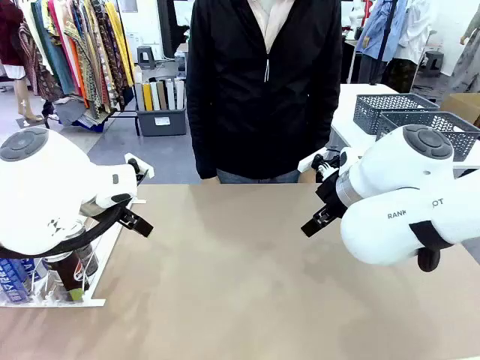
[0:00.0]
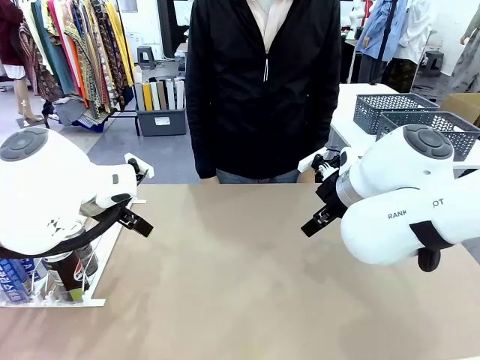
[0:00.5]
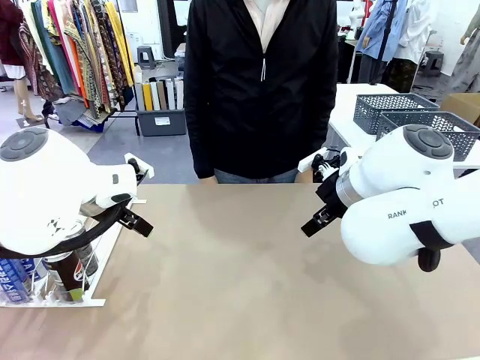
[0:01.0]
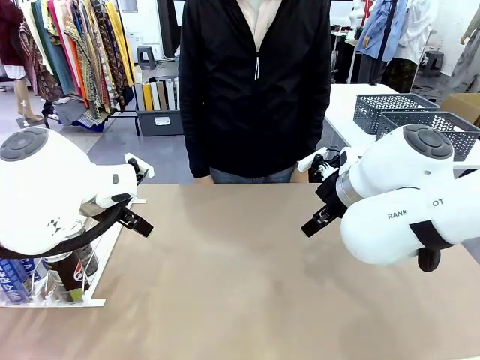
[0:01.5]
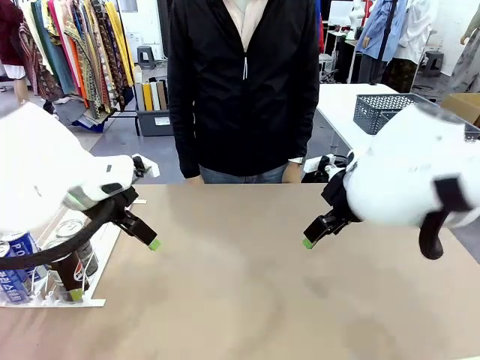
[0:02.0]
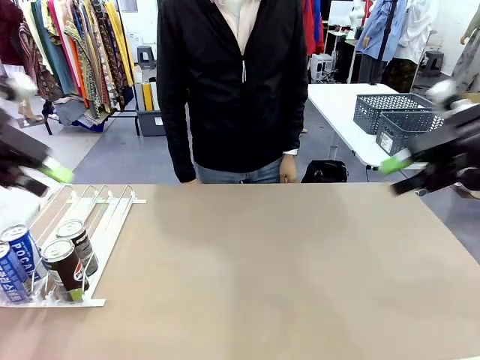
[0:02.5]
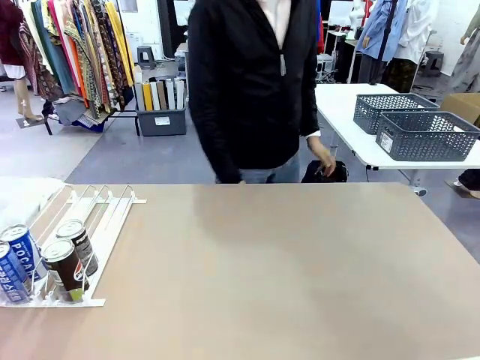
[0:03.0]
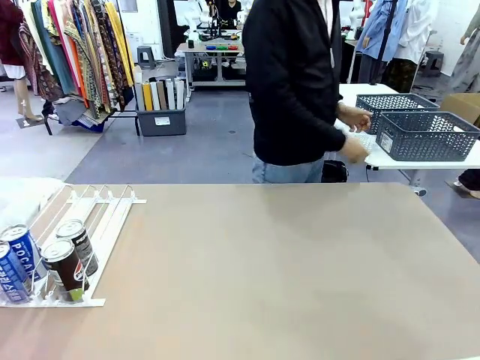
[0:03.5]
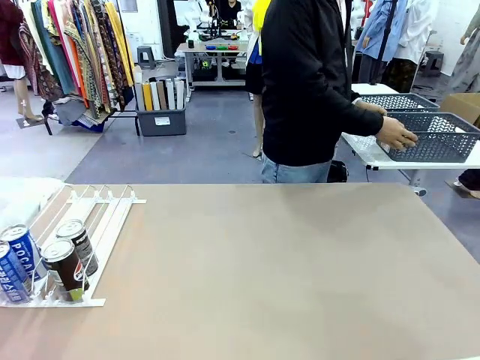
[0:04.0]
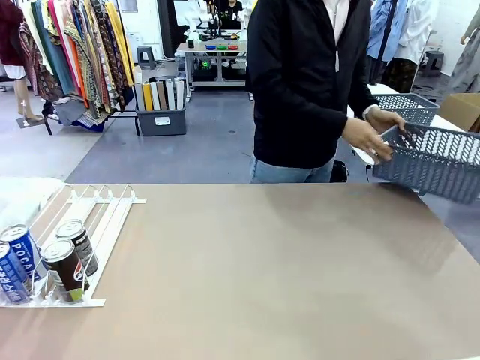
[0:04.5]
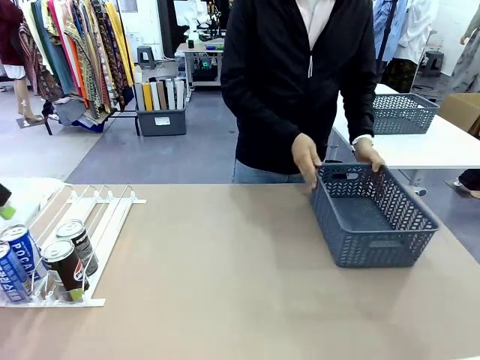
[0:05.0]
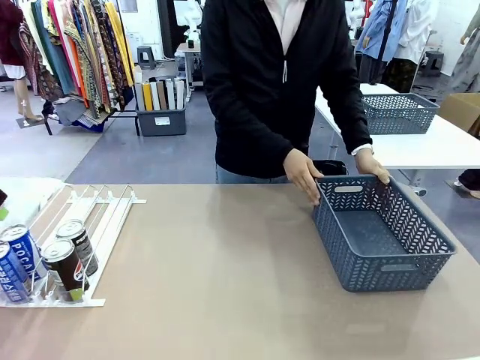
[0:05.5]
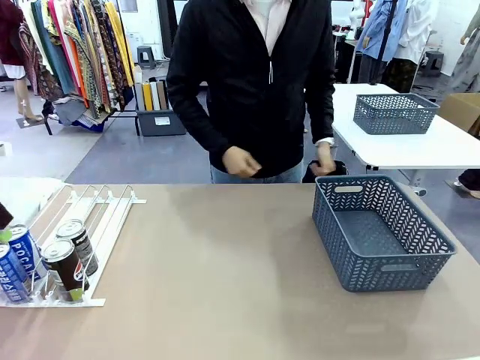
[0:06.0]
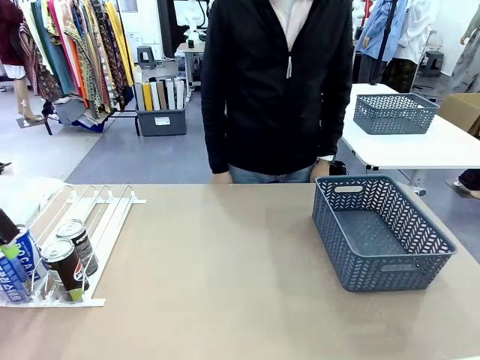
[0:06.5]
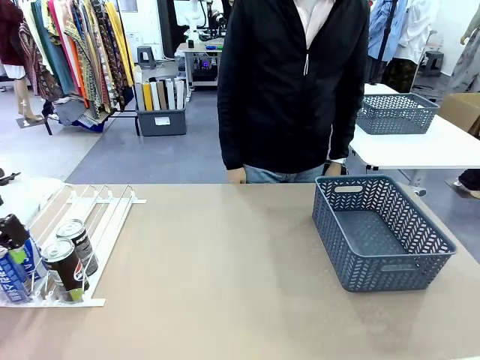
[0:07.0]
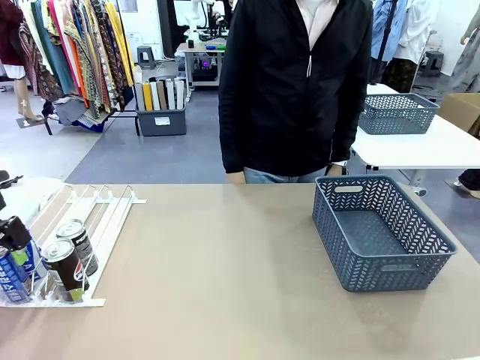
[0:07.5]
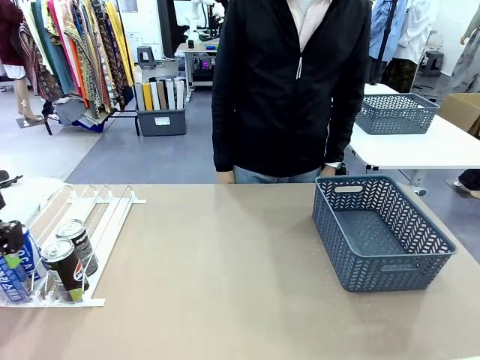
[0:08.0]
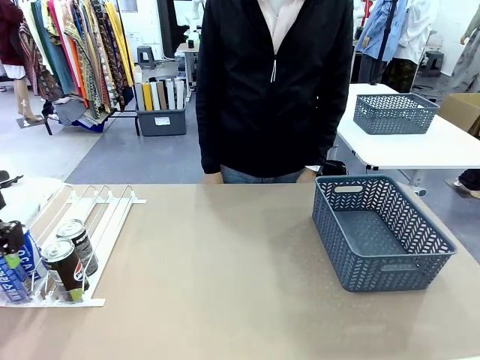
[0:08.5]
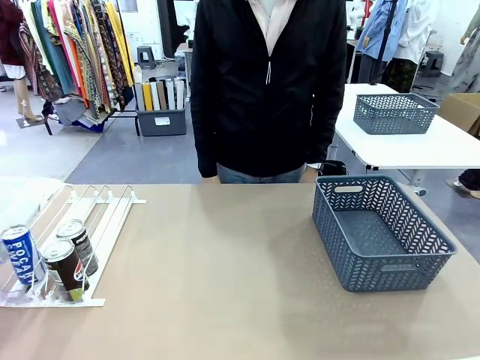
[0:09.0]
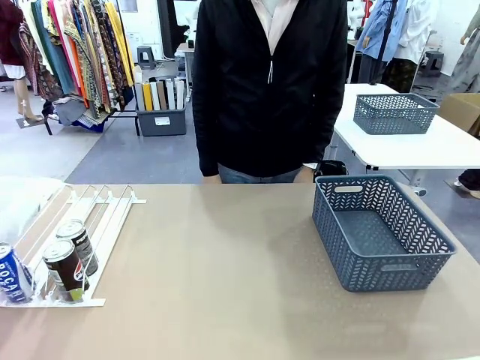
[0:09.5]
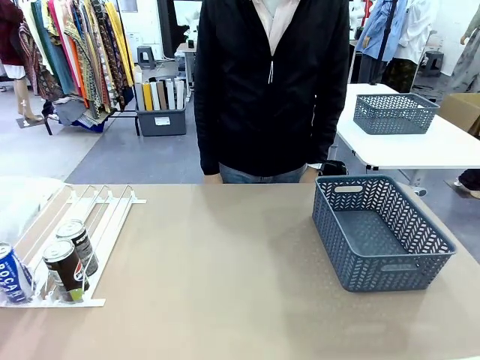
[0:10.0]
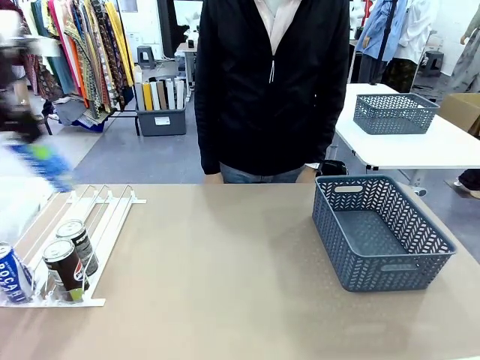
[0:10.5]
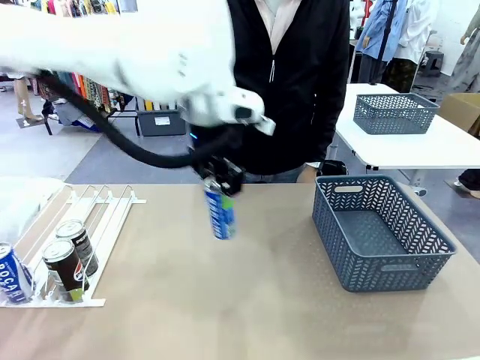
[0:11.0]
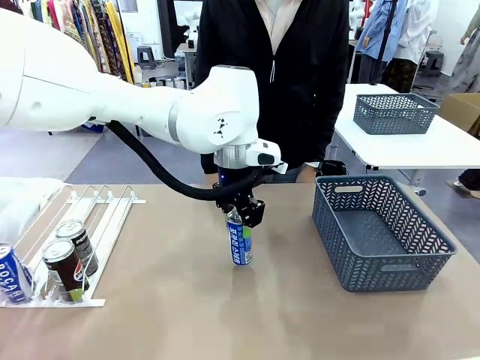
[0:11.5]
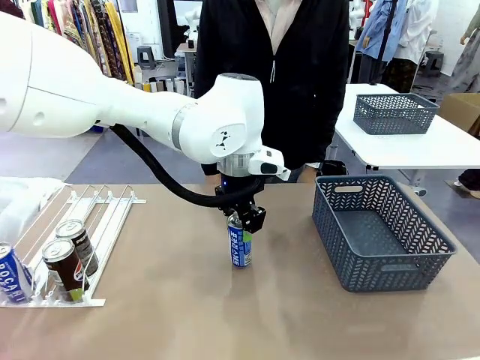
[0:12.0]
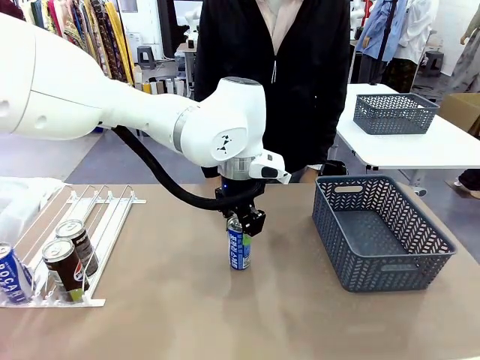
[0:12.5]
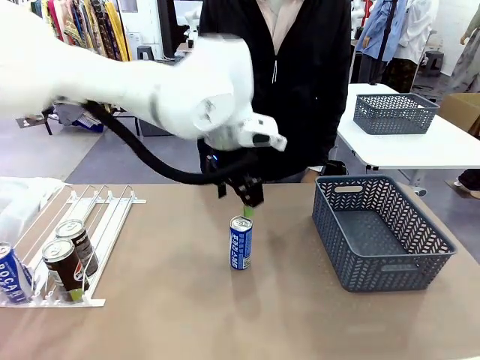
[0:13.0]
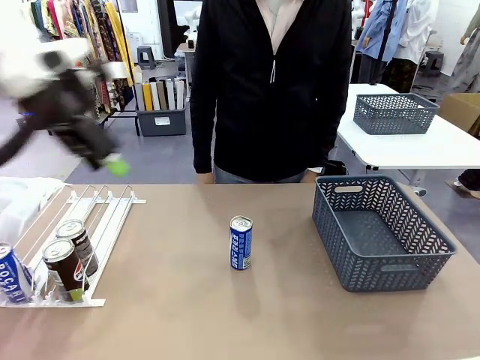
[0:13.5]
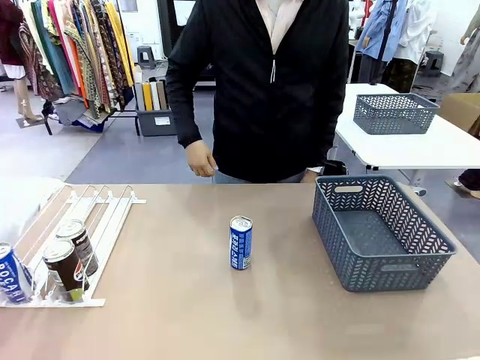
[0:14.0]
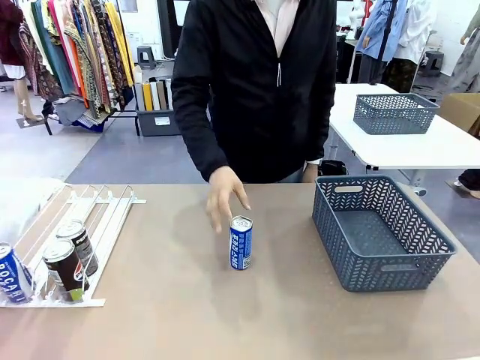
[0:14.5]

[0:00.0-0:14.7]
Task: Retrieve and store the cans from the dispenser.
Robot: Pick up one can from the Automatic Can Dispenser and place it in the middle of the table.
Person: Pick up the basket and place it on the left side of the robot table.

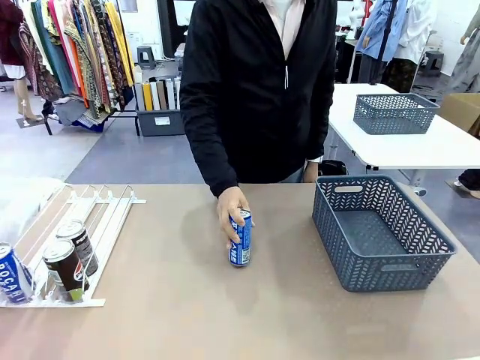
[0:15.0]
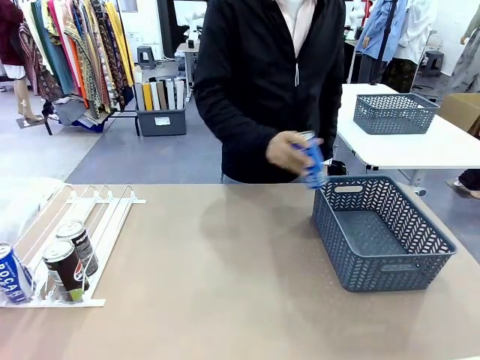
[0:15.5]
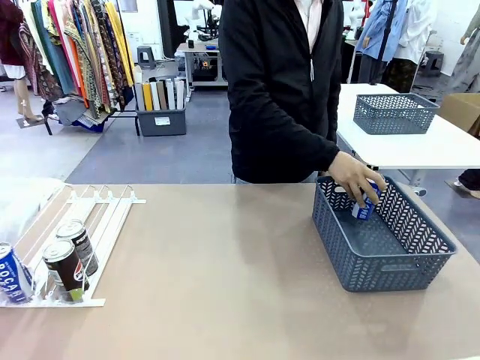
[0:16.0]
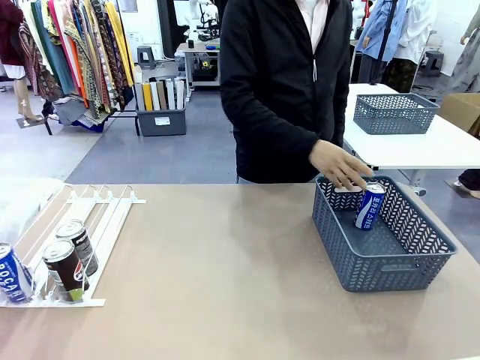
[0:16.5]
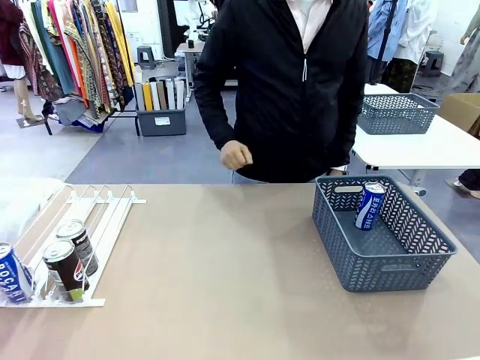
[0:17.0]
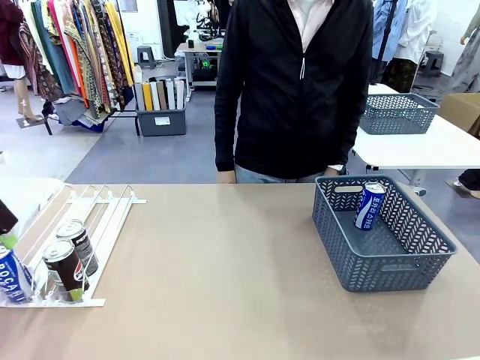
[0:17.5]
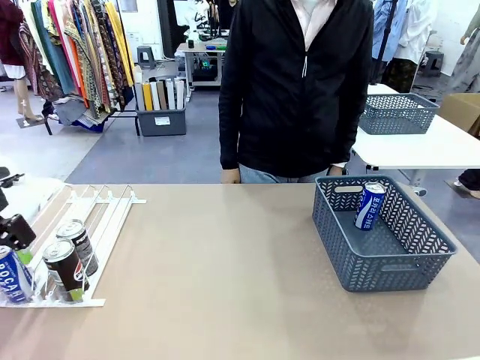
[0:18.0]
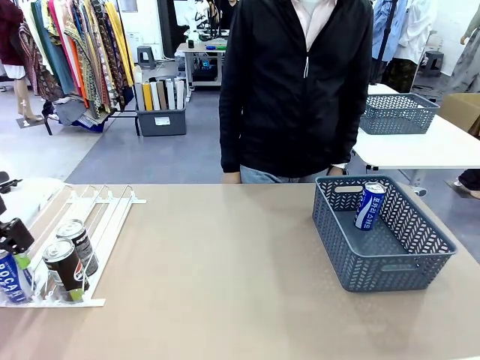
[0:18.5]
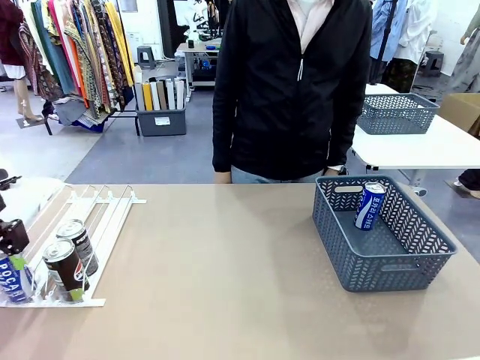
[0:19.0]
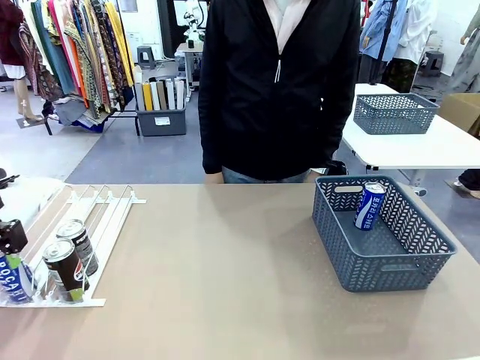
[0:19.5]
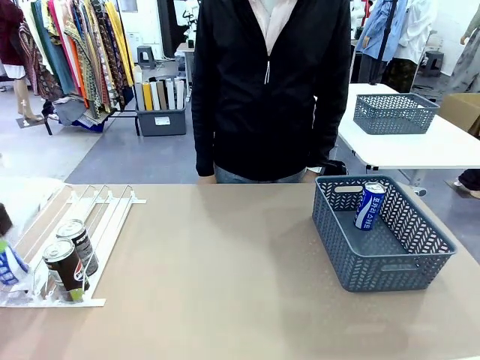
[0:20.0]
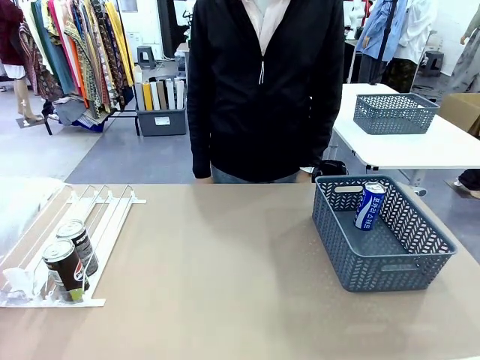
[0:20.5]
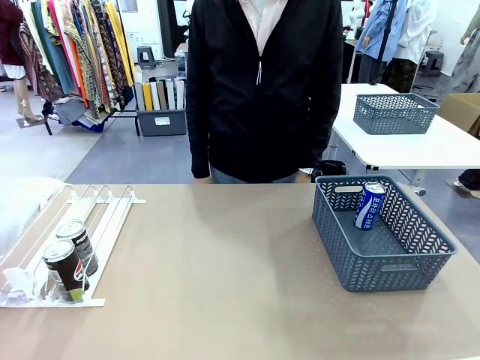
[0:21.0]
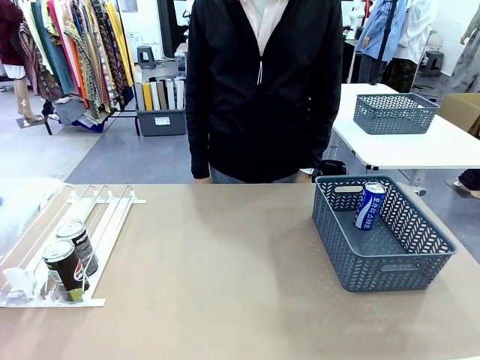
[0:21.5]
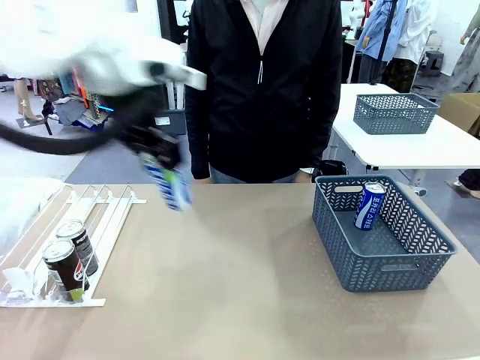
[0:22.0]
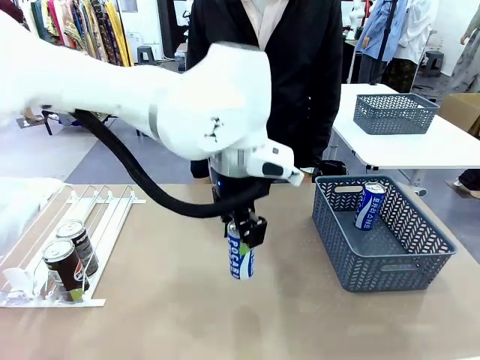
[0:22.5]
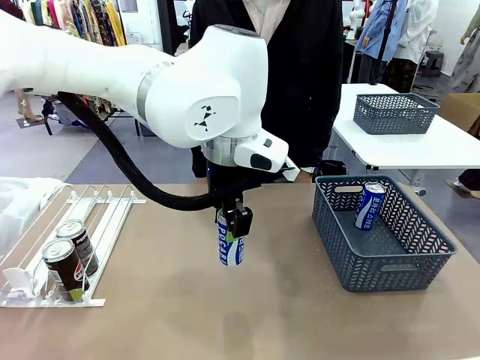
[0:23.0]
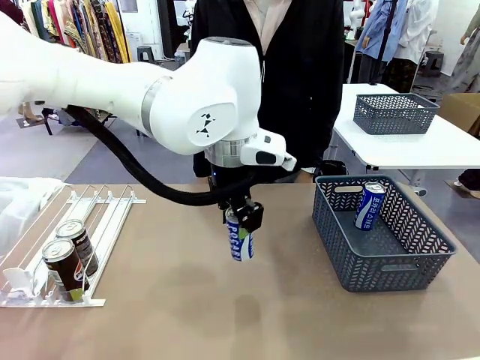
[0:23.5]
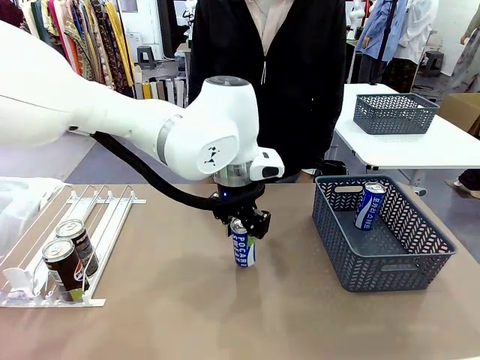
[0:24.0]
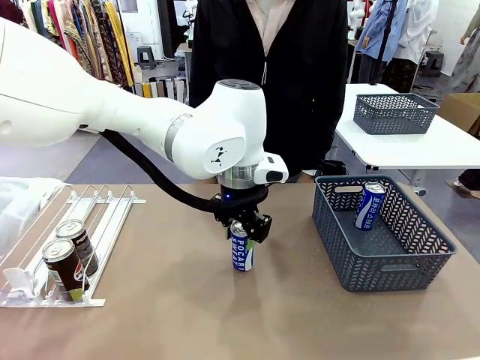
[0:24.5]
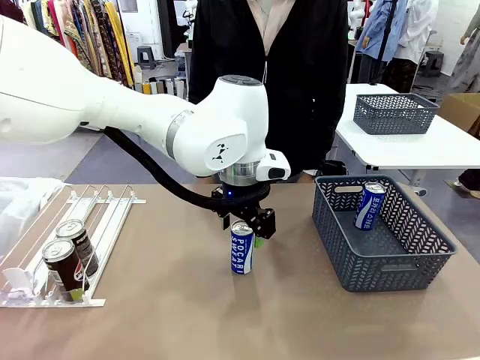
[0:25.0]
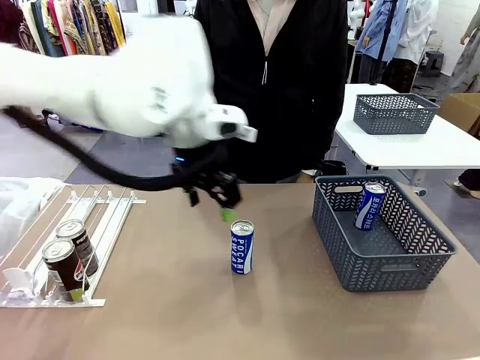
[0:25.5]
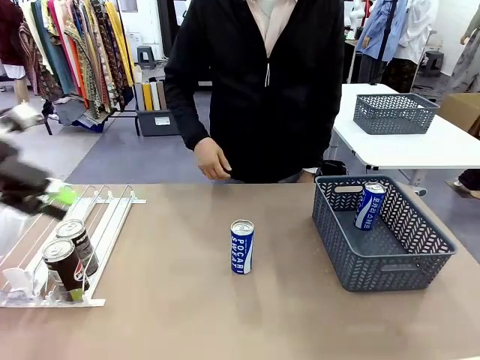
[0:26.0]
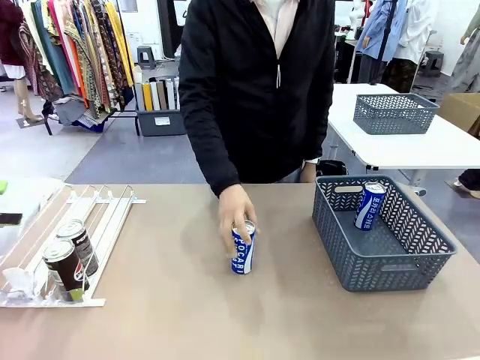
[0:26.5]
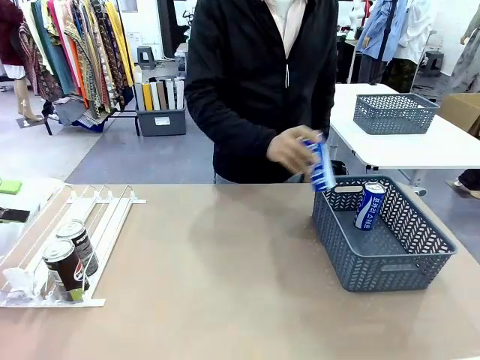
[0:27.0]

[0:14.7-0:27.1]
Robot: Pick up the last remaining can from one row of the Automatic Can Dispenser and place it in the middle of the table.
Person: Pick up one Pepsi can from the middle of the robot table and place it in the basket.
